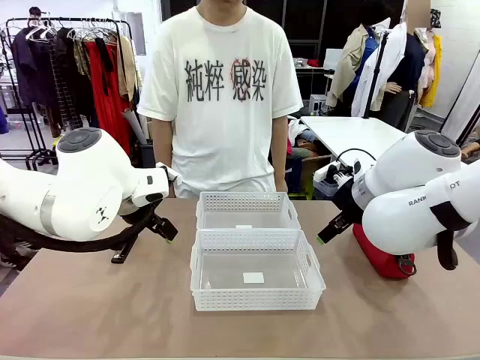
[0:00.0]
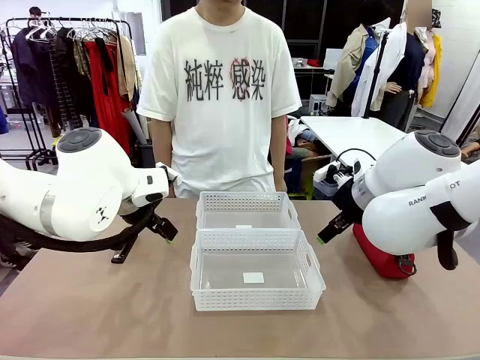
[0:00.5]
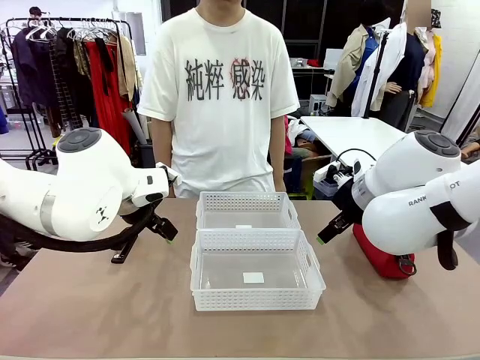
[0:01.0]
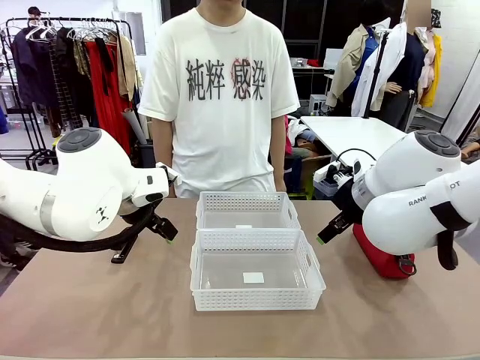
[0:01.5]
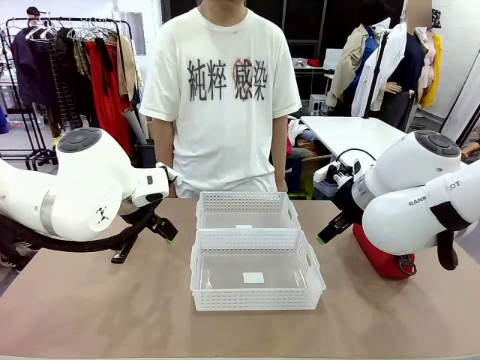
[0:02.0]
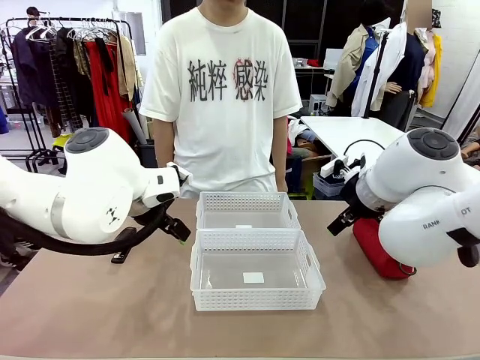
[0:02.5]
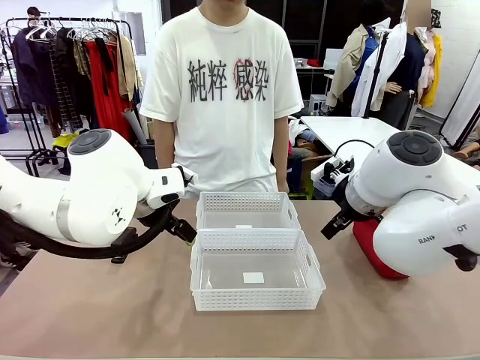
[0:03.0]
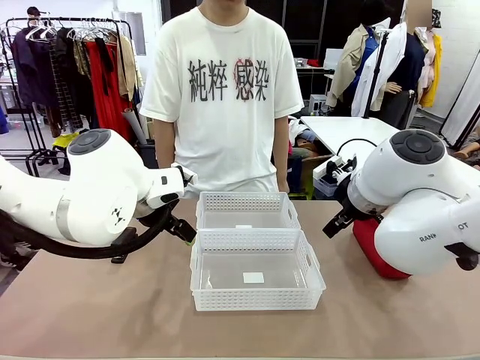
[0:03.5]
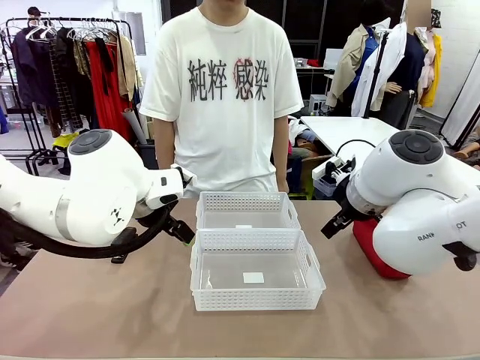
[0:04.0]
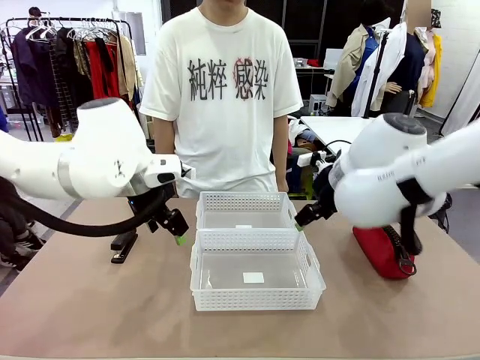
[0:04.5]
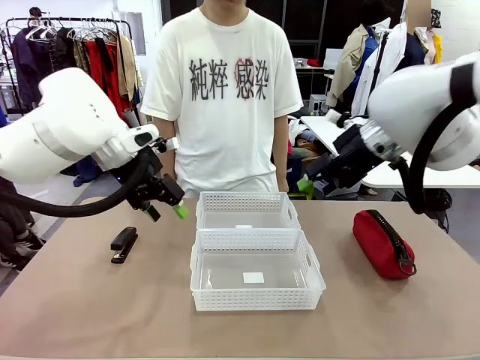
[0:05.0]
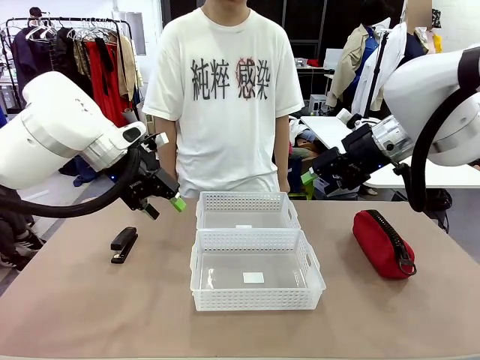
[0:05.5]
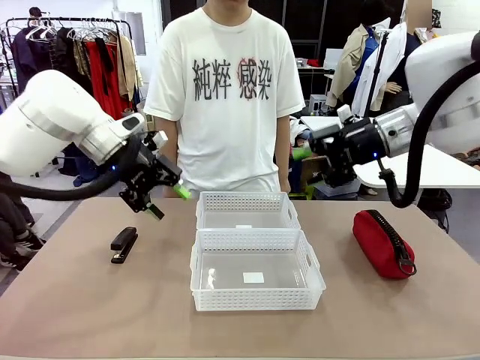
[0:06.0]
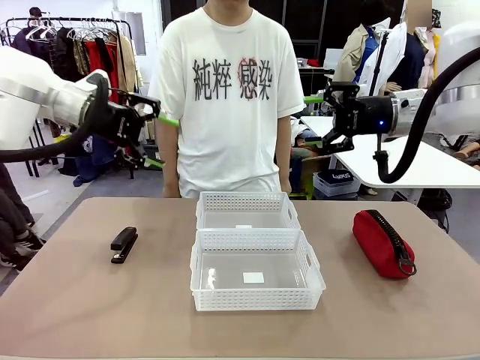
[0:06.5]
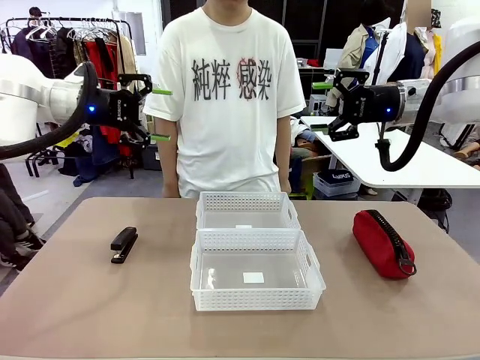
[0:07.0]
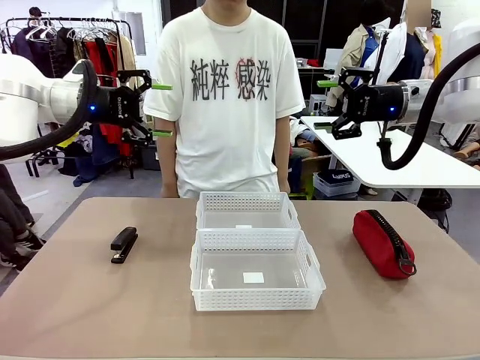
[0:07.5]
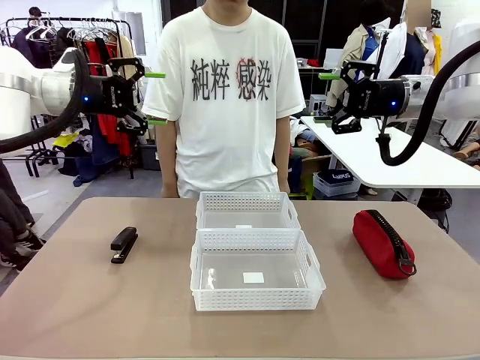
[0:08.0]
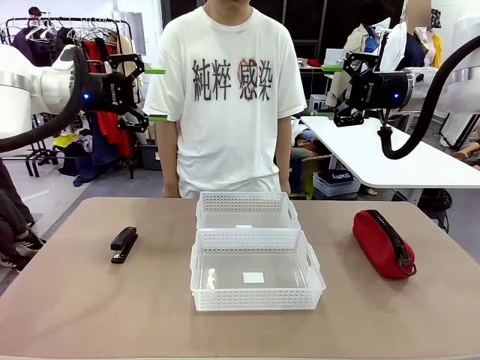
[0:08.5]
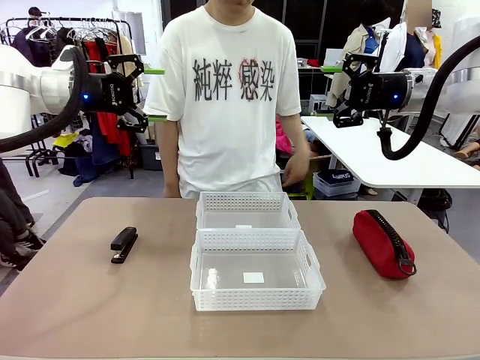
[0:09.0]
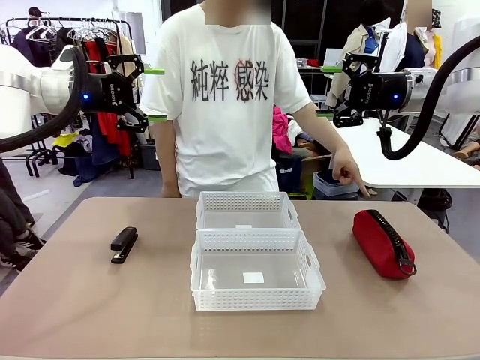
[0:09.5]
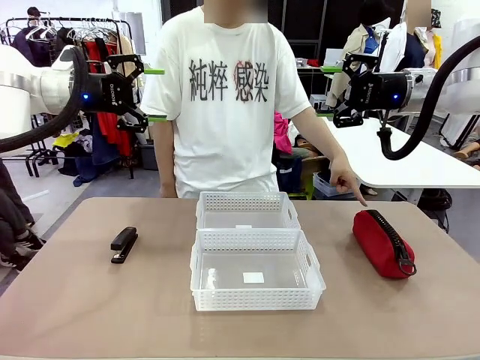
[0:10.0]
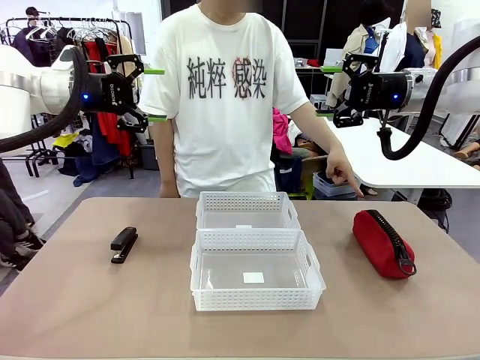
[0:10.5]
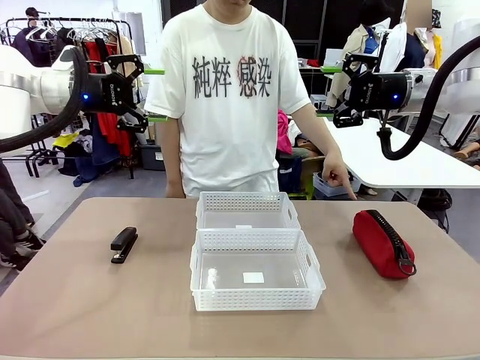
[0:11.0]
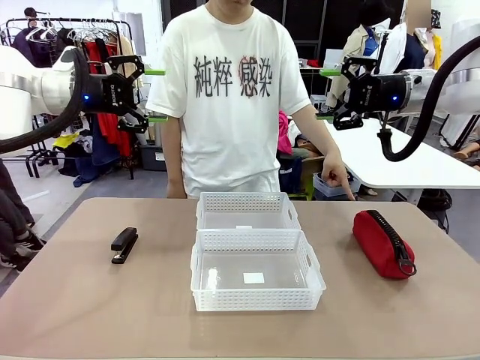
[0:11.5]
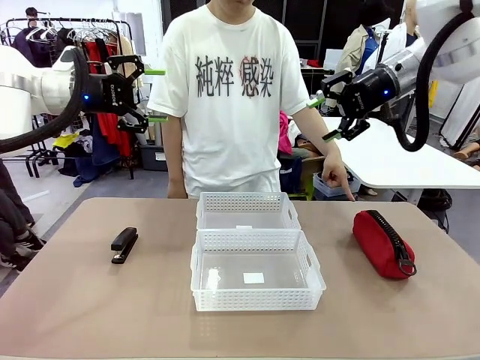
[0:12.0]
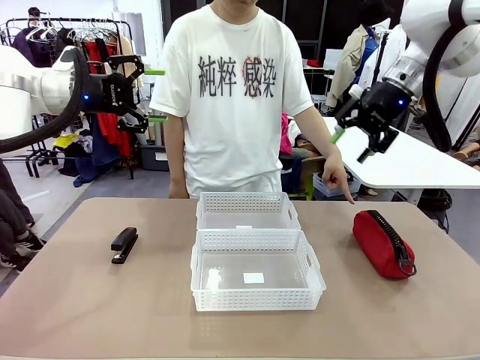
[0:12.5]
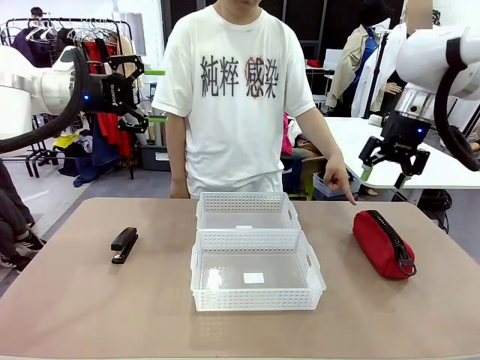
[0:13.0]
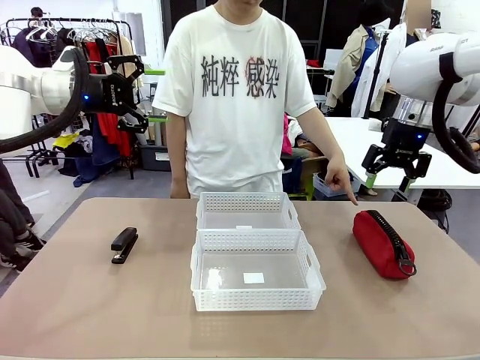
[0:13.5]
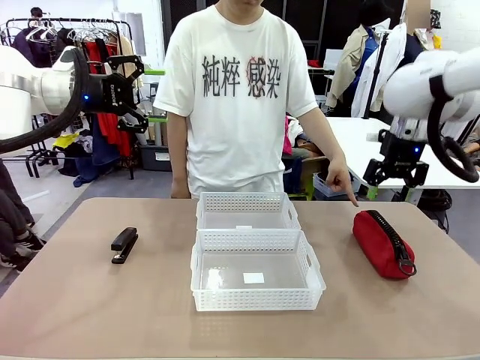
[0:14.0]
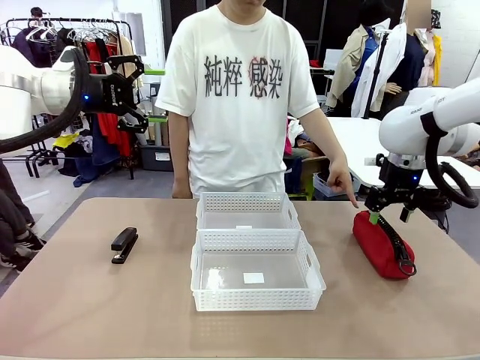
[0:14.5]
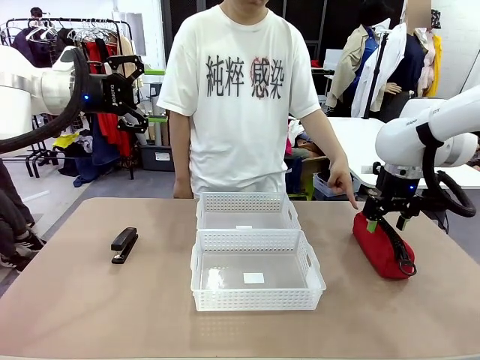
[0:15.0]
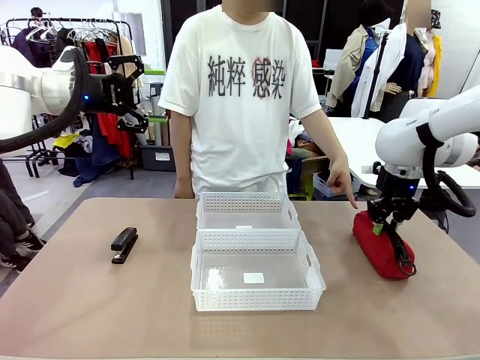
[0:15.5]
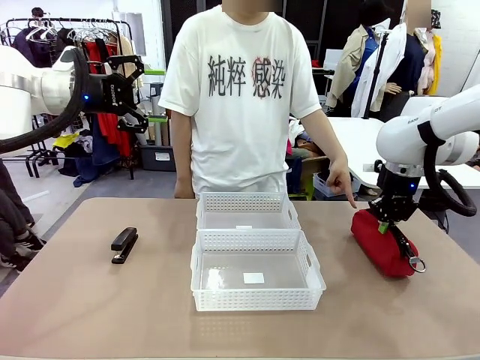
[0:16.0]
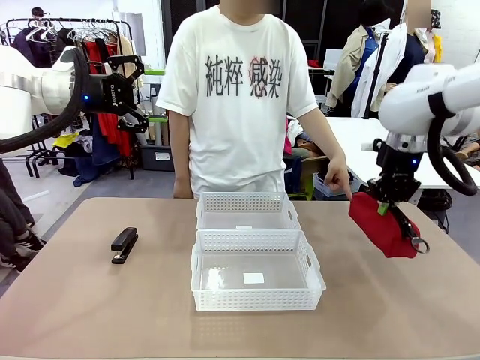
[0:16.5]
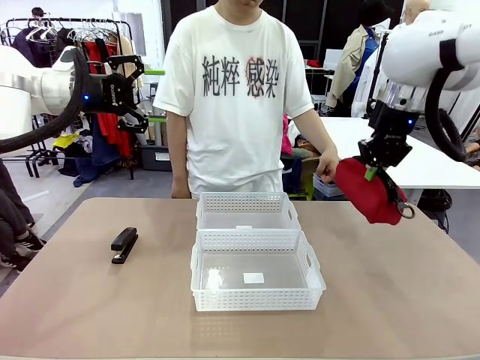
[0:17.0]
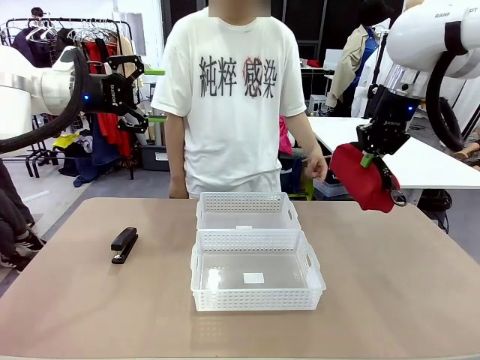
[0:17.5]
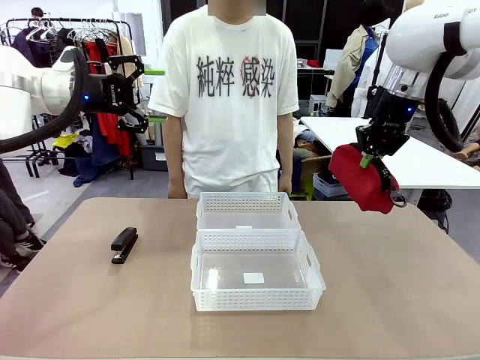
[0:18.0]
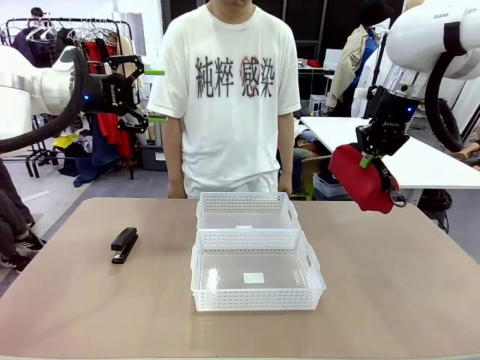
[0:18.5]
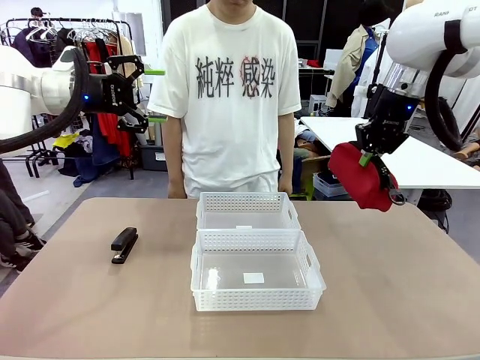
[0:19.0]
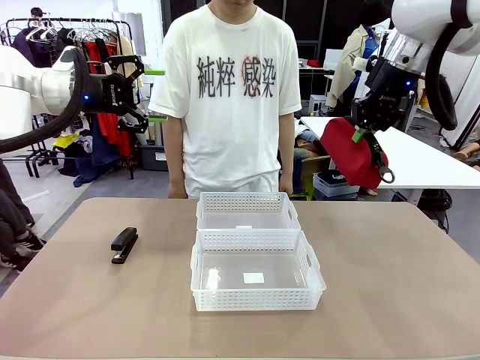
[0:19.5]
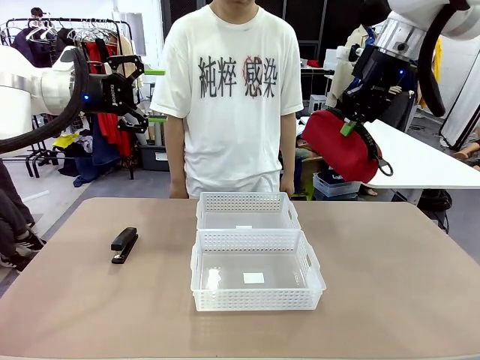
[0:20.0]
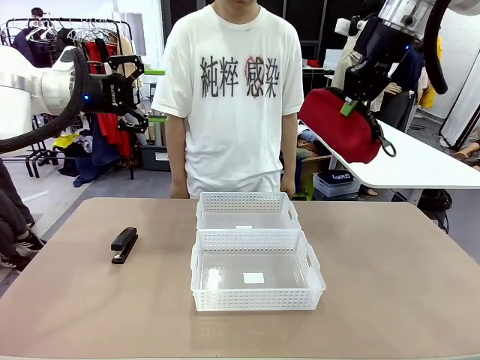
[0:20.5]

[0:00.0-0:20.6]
Task: Distribute items into two baskets.
Robot: Pick up the Pencil pouch that the person points to.
Person: Points to the pencil case. Points between the two organizing baskets and instructs the robot to move the pencil case.

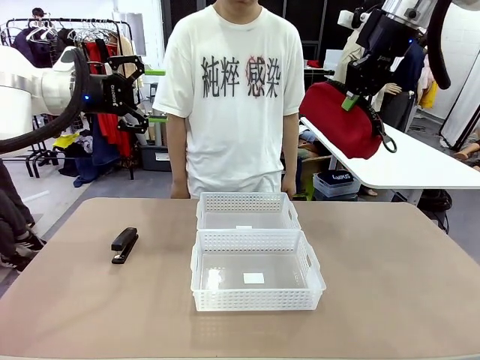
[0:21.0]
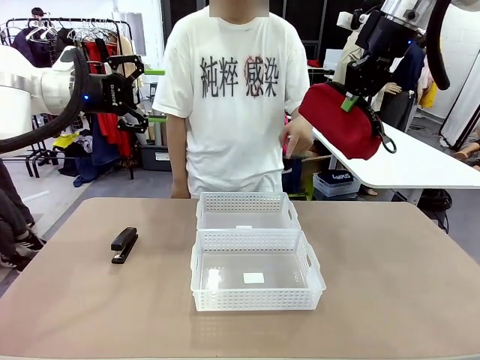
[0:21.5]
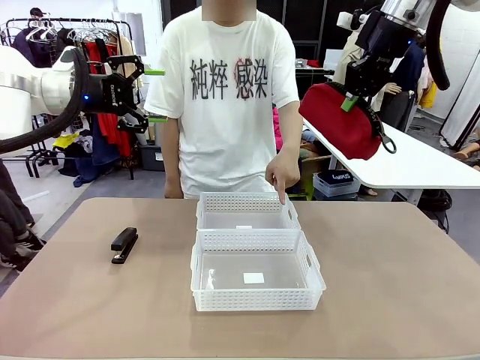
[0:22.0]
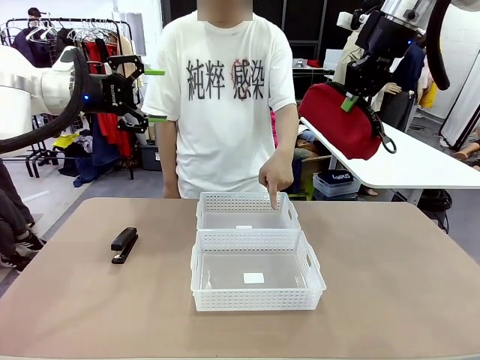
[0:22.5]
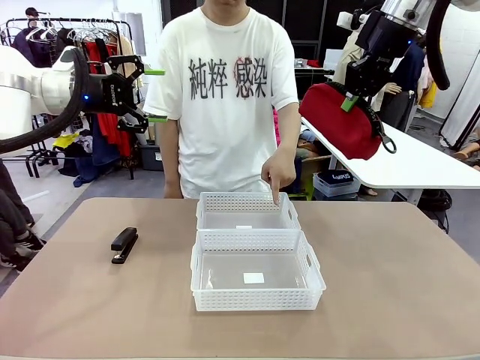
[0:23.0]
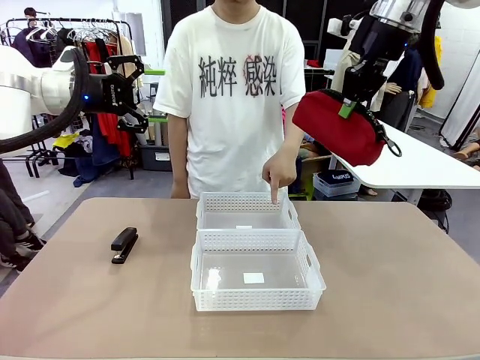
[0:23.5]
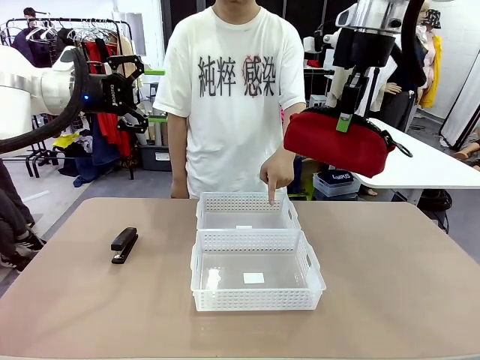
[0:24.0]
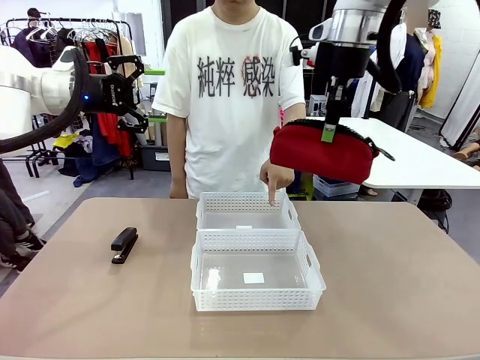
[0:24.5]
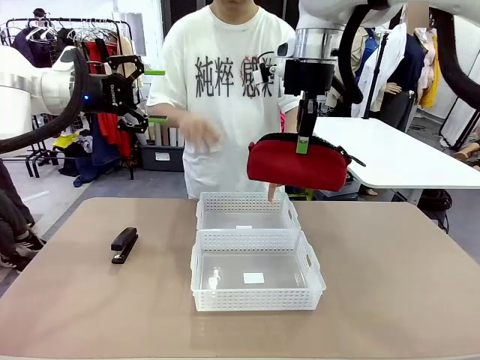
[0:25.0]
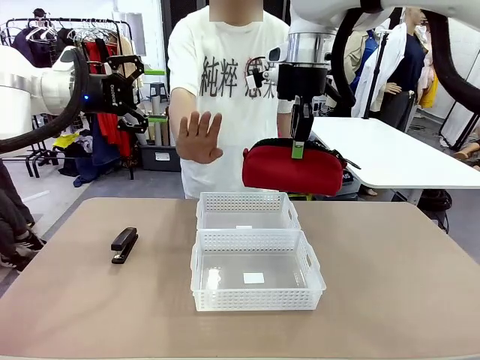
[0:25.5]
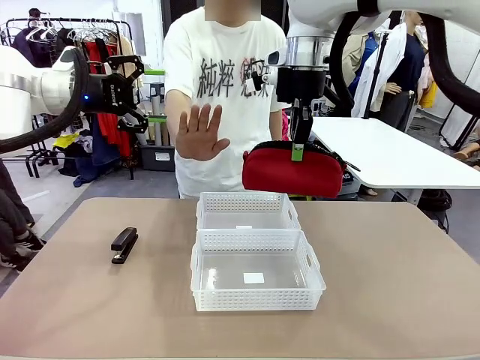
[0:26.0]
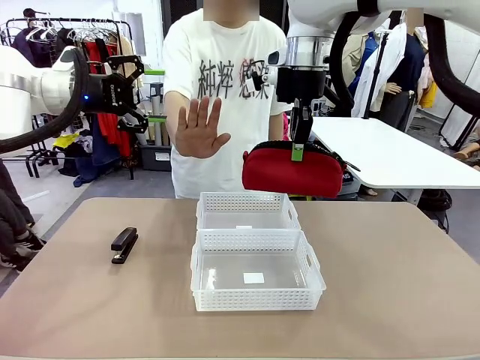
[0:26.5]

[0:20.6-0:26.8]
Robot: Move the picked Pencil pouch towards the Organizing basket indicated by the person, stopping as directed.
Person: Sends a stop gesture before the robot places the pencil case into the basket.
